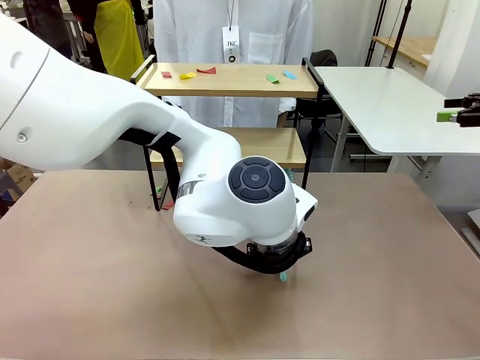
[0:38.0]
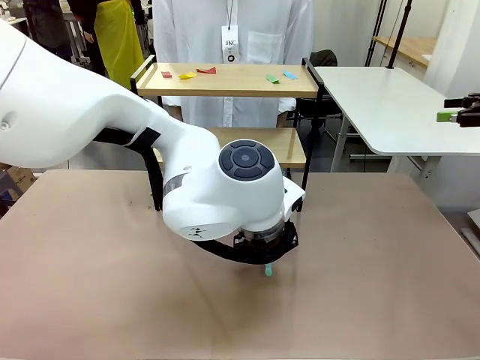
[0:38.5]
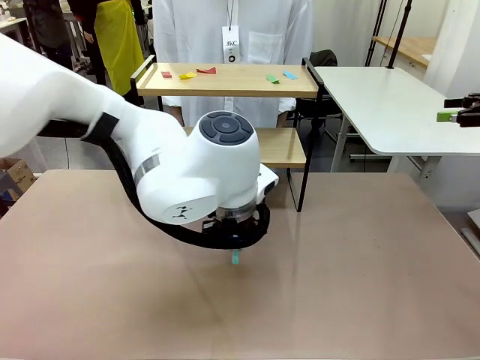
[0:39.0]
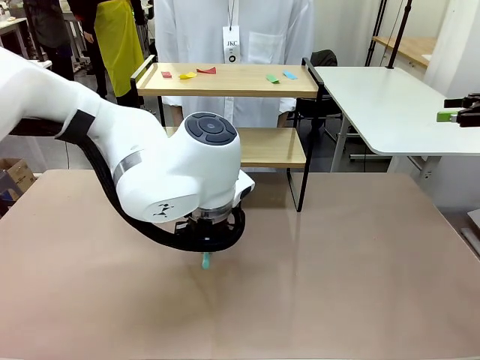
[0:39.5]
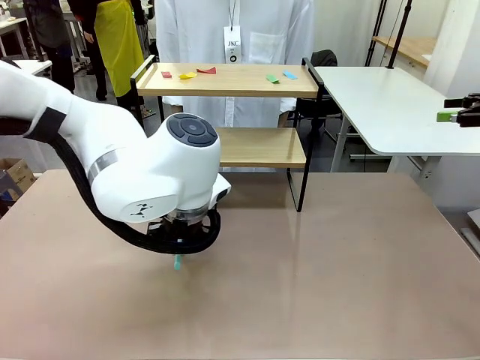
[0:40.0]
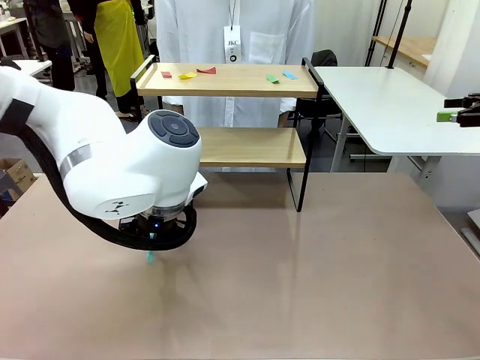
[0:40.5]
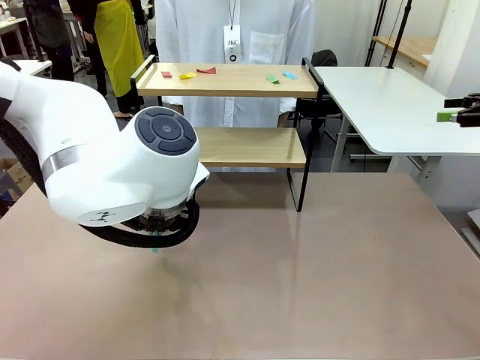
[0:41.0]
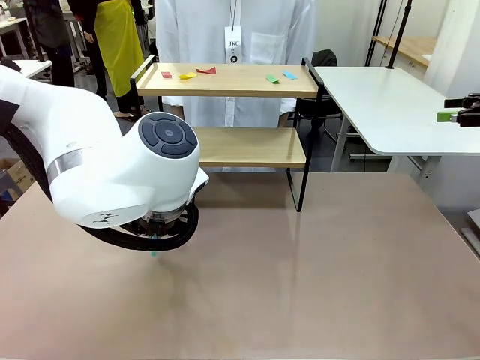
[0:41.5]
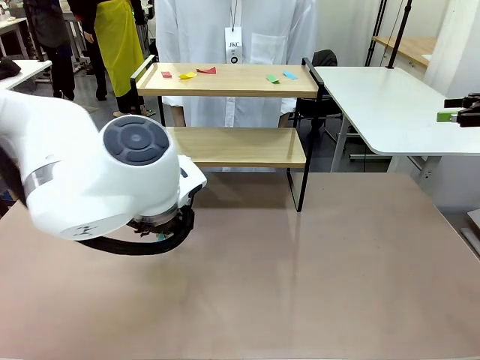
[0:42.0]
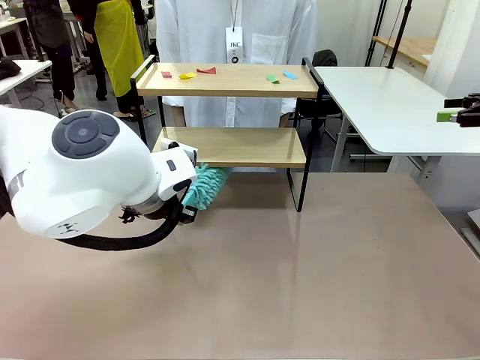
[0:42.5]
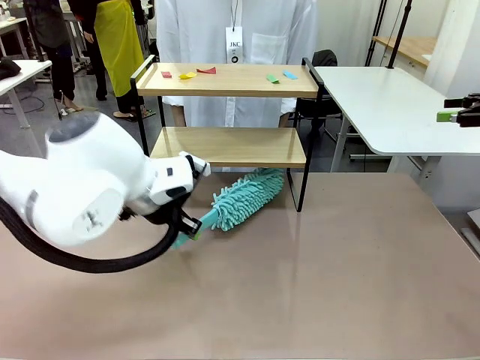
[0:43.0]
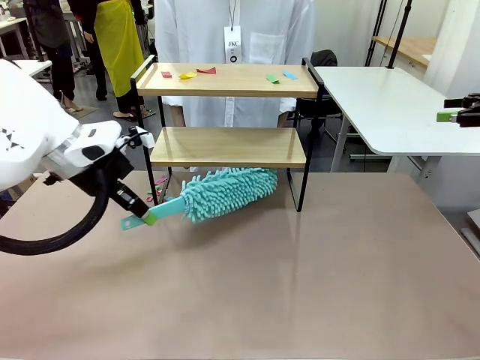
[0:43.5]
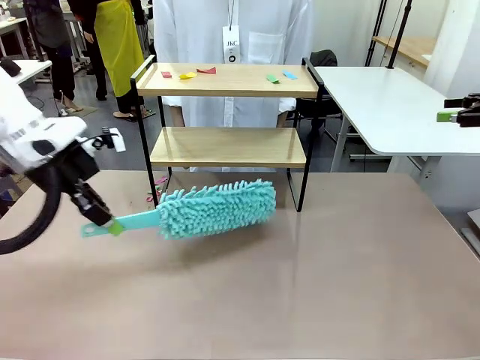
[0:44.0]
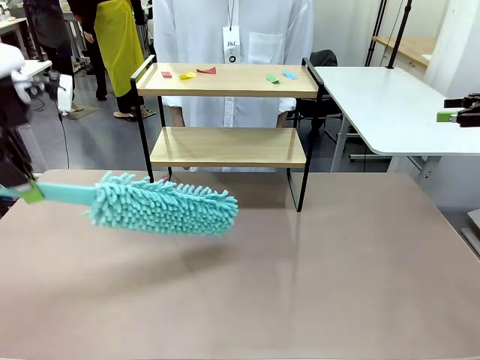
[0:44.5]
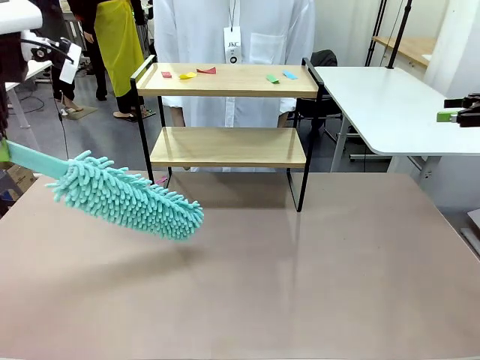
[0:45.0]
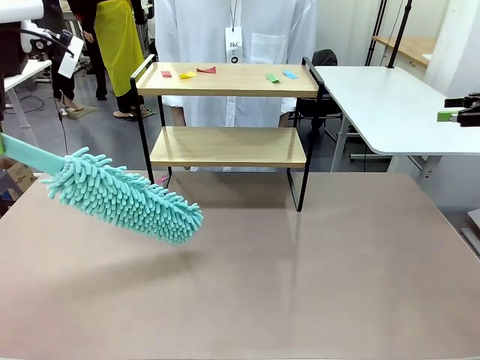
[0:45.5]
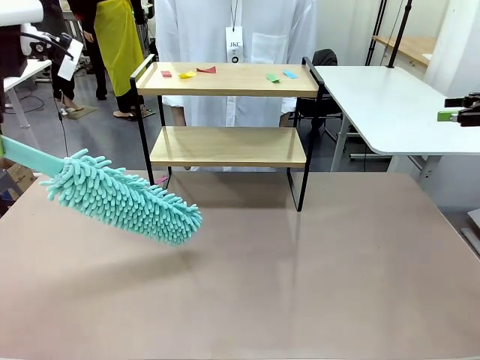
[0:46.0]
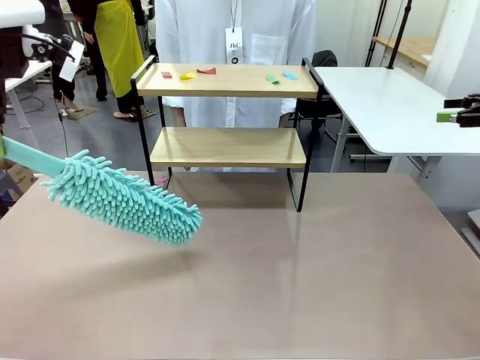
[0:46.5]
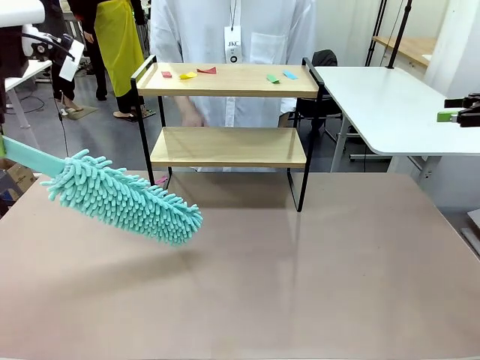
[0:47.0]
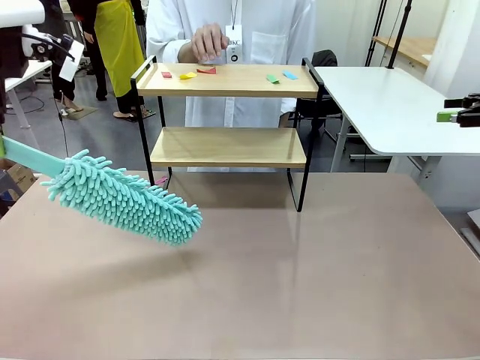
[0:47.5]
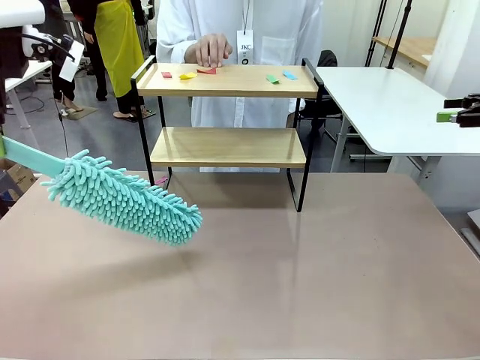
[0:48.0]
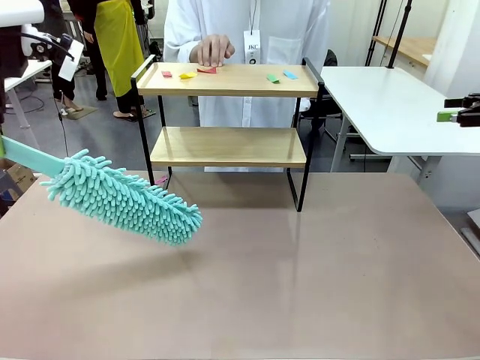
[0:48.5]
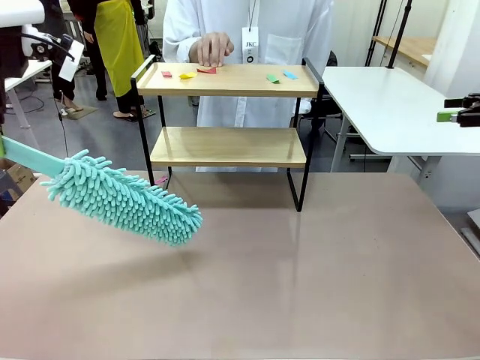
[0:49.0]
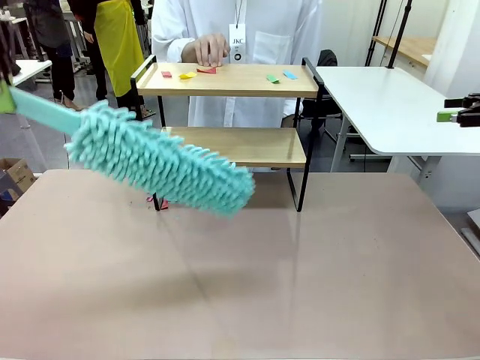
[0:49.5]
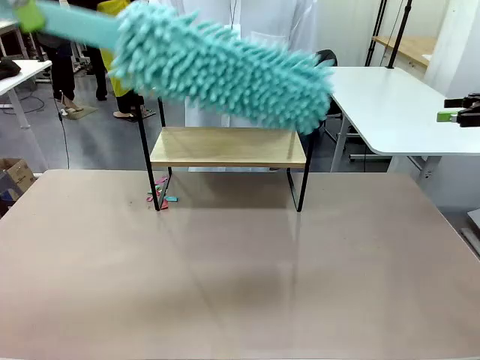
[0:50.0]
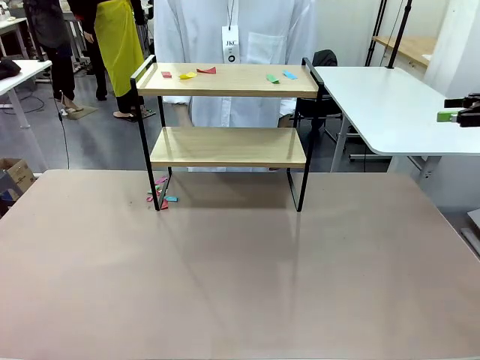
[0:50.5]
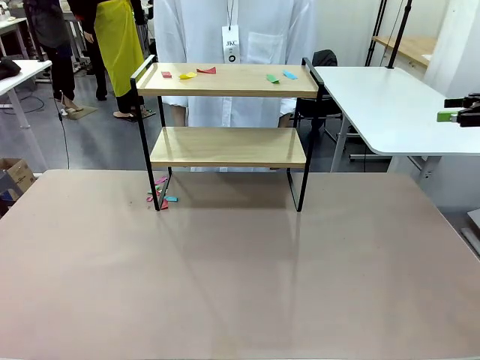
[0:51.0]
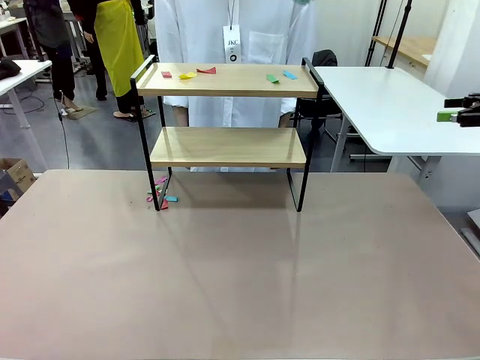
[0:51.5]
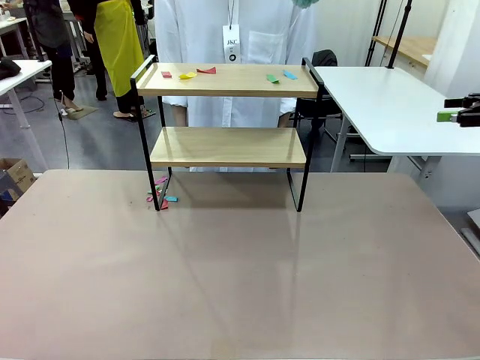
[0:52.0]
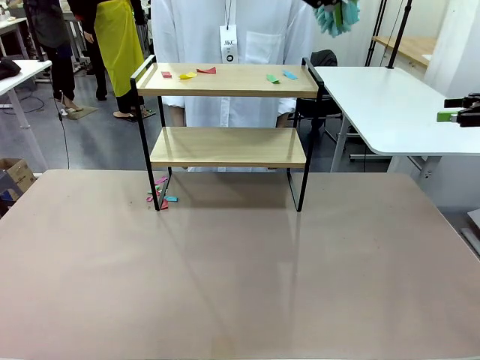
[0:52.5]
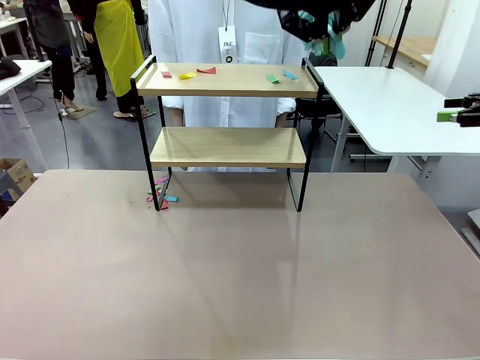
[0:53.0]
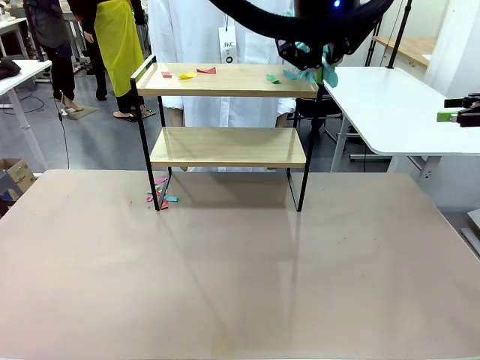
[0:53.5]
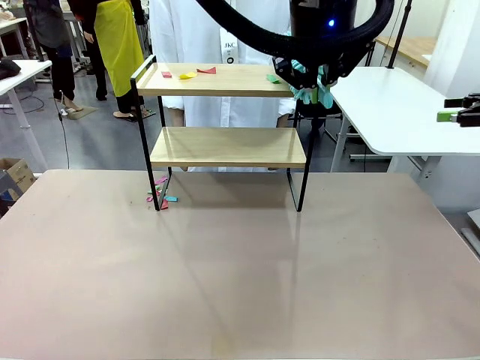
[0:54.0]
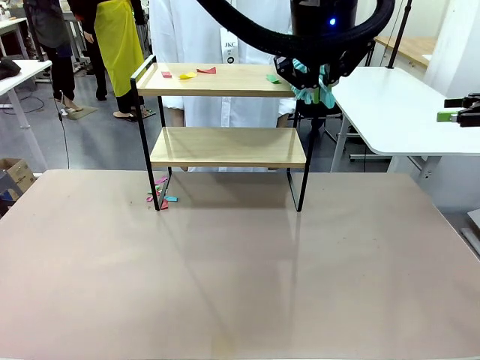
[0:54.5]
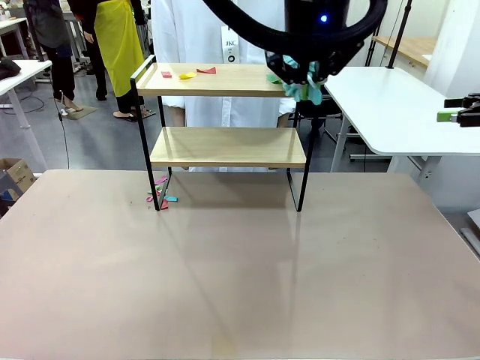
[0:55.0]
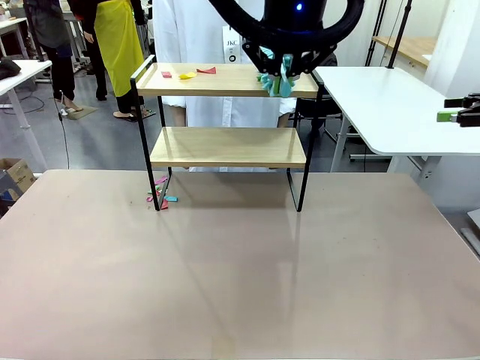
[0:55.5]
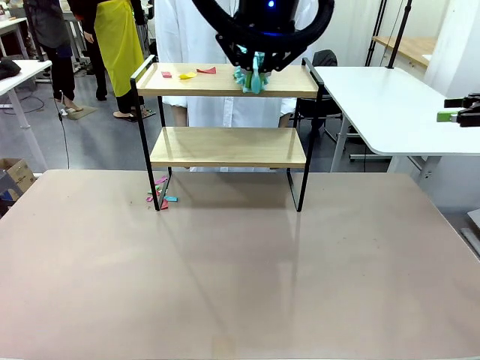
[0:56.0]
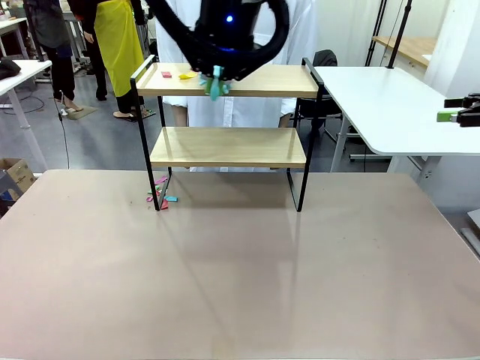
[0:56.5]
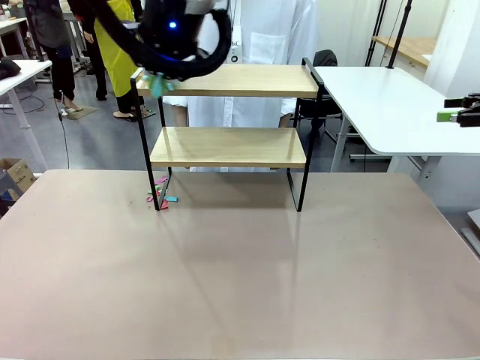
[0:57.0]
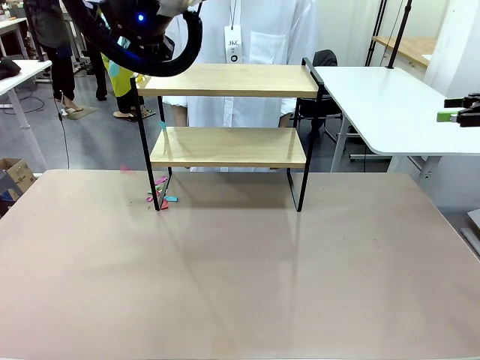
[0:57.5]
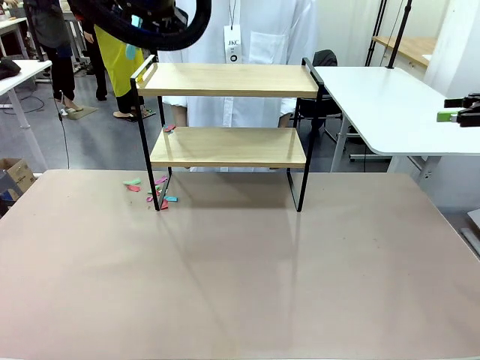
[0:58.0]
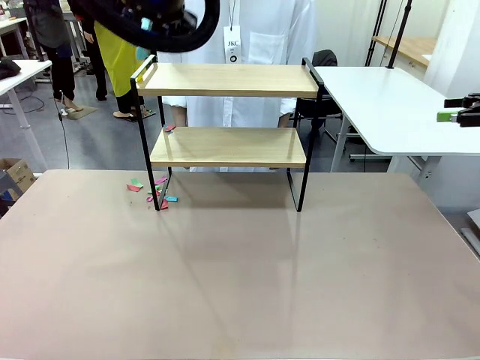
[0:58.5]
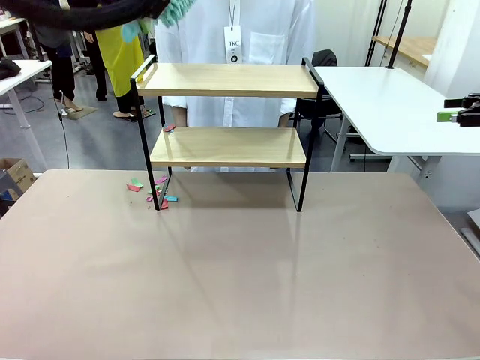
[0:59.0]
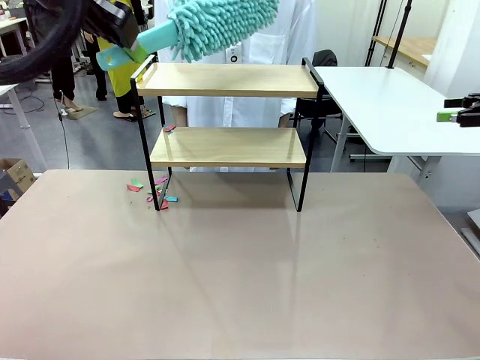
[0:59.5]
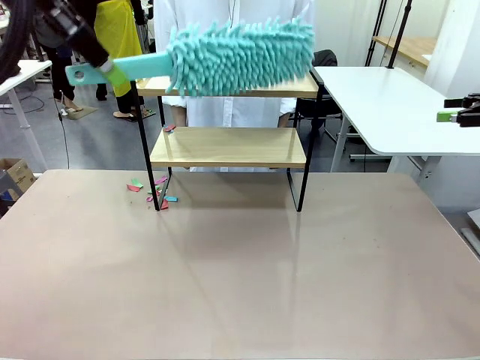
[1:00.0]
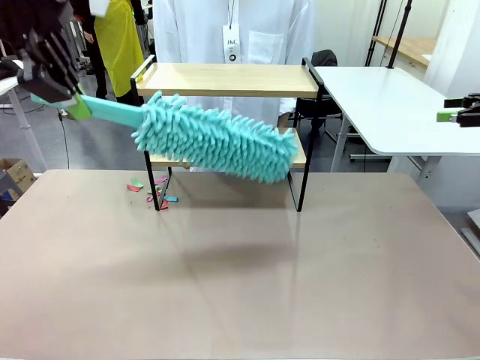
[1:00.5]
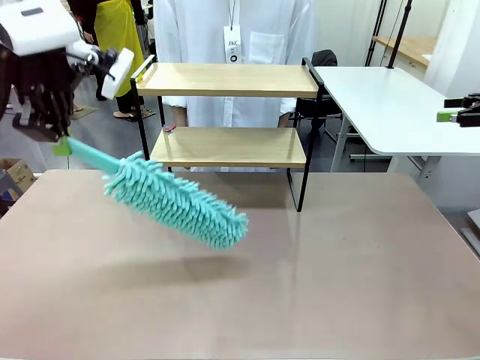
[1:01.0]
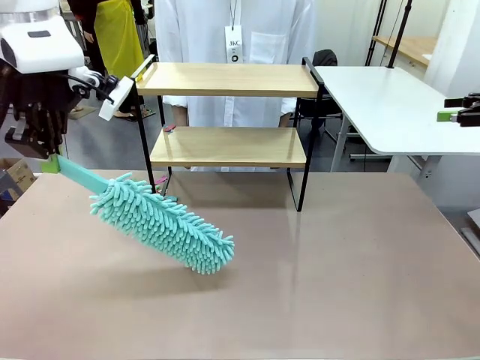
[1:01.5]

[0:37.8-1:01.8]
Task: Clean the shelf.
Robot: Clean the specific section of the Shelf indicated by the human with the Duster.
Person: Point a remaining section of the Shelf.

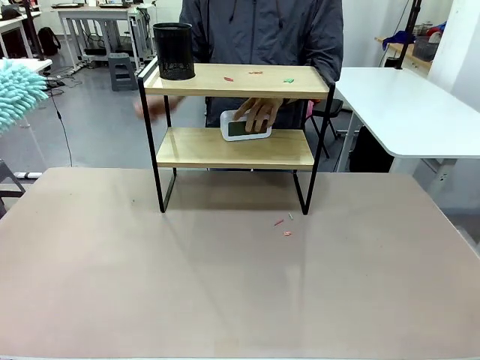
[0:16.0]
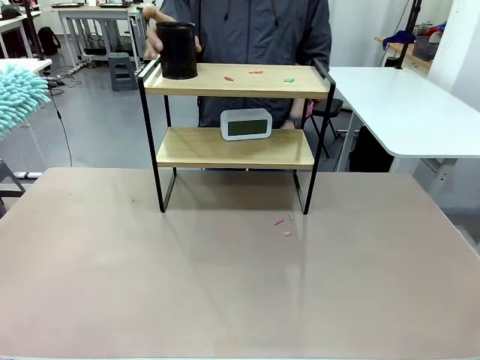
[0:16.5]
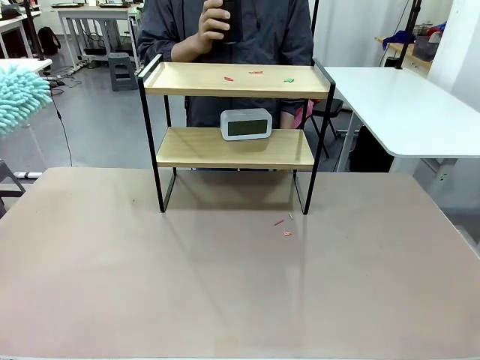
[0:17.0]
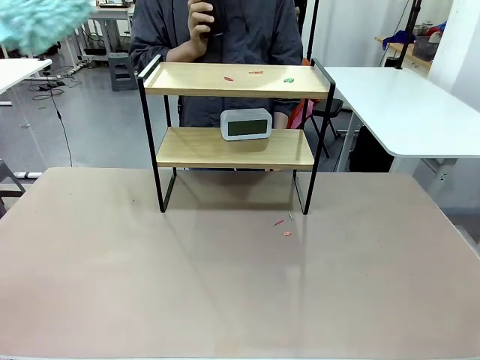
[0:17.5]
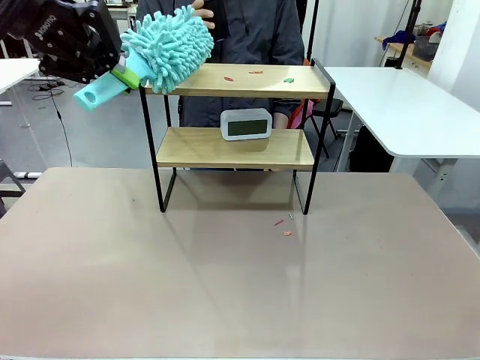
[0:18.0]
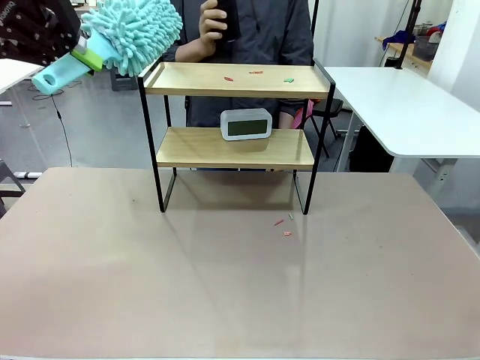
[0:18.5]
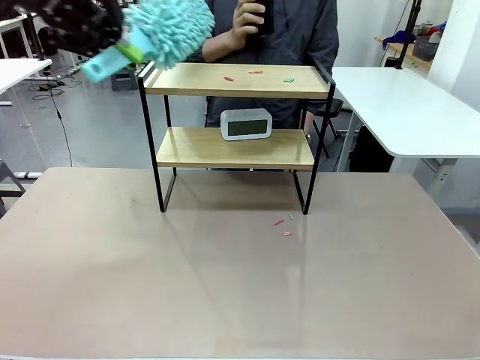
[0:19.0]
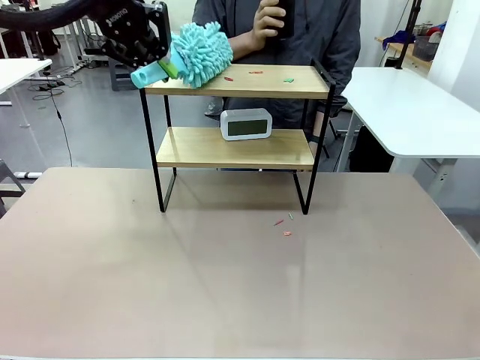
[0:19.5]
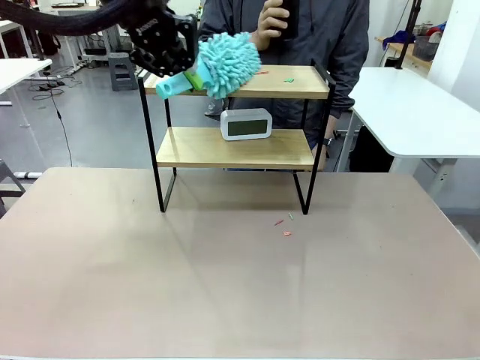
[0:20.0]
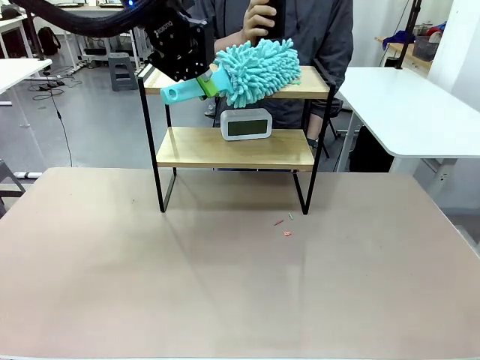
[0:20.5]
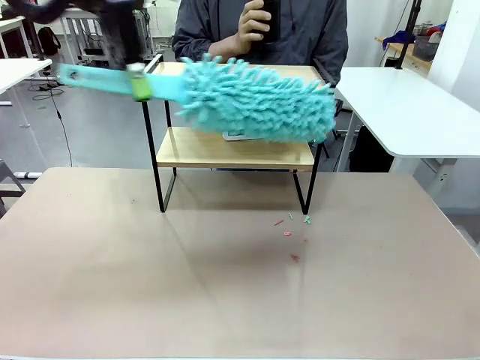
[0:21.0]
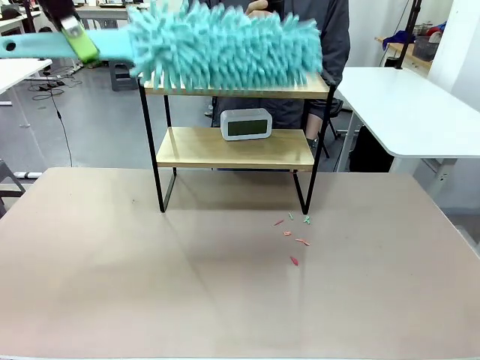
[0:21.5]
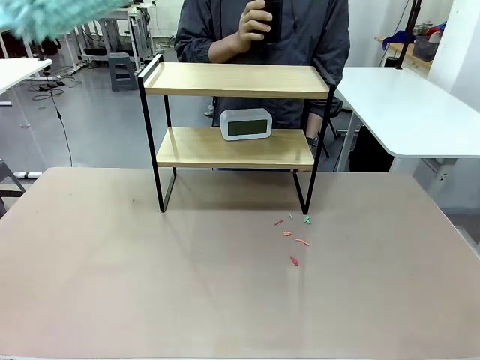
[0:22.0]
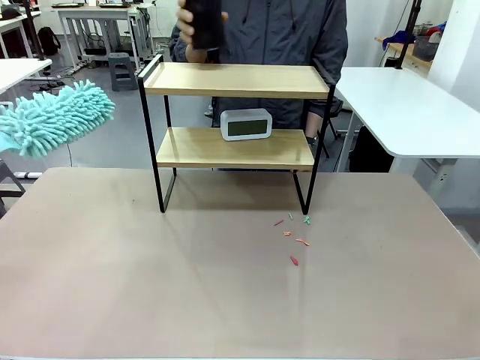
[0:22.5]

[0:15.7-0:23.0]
Task: Clean the shelf.
Robot: Clean the remaining tier of the Shelf with the Duster once objects are removed.
